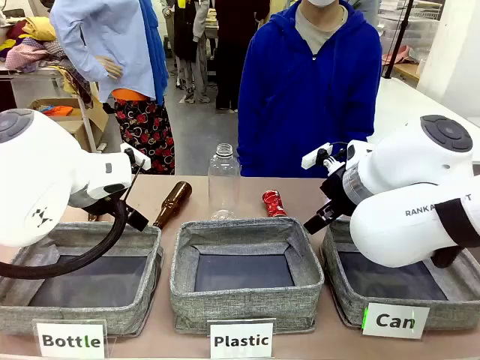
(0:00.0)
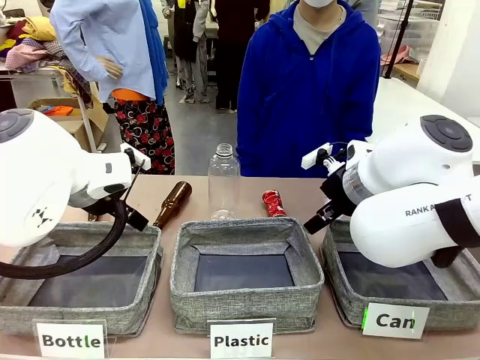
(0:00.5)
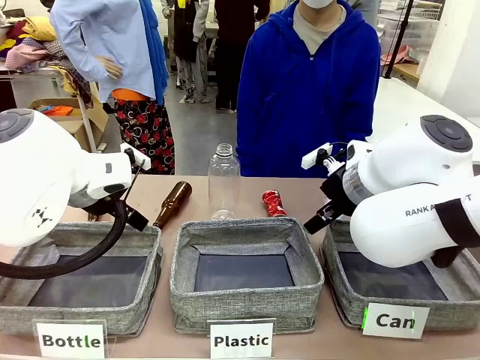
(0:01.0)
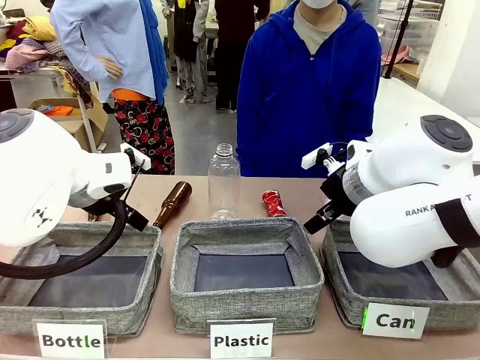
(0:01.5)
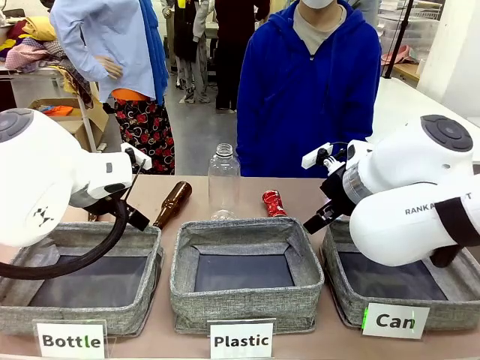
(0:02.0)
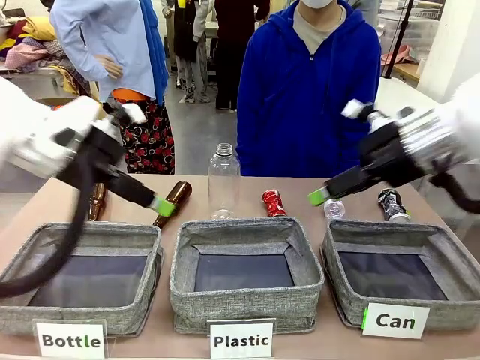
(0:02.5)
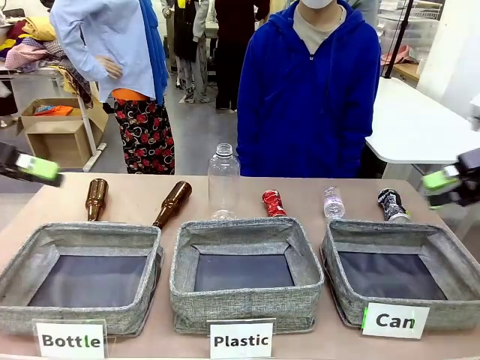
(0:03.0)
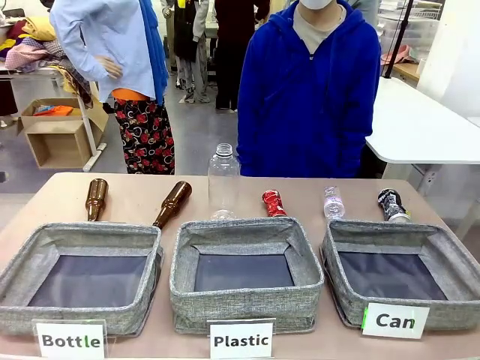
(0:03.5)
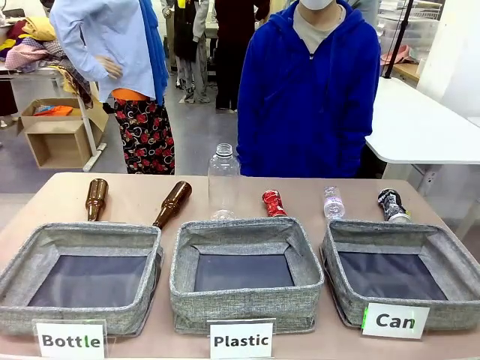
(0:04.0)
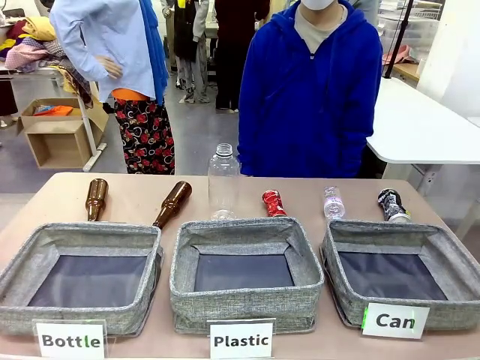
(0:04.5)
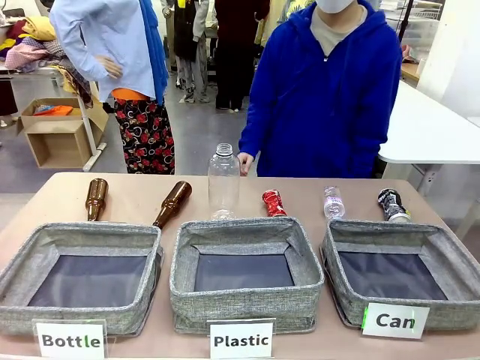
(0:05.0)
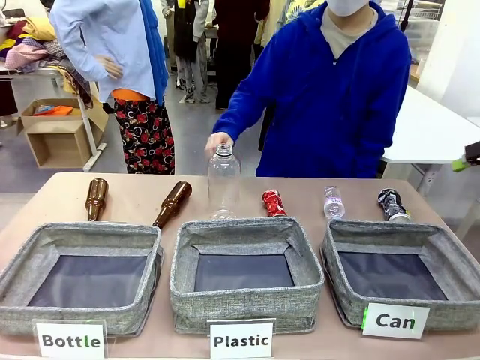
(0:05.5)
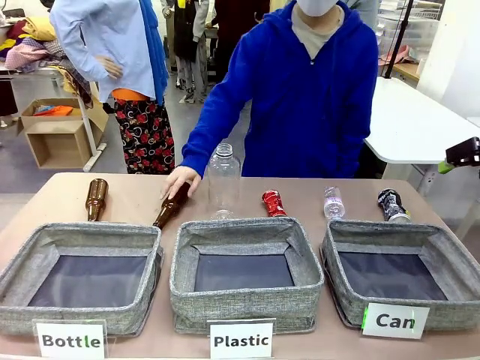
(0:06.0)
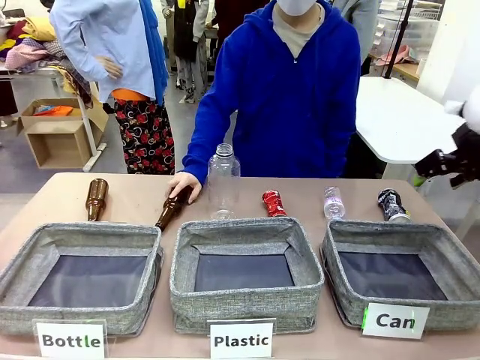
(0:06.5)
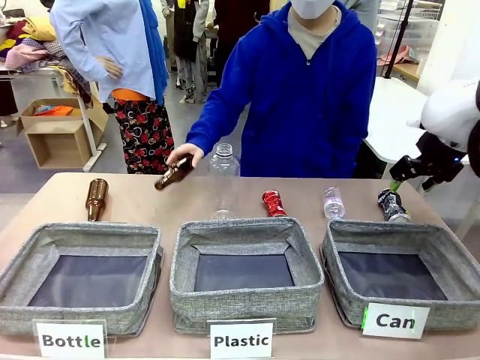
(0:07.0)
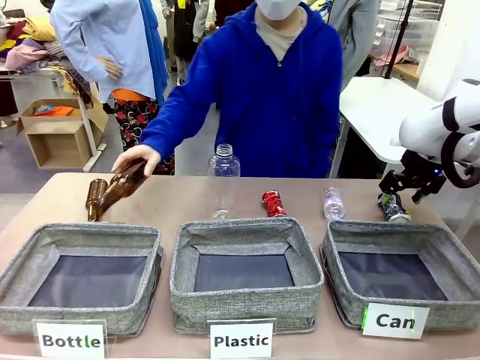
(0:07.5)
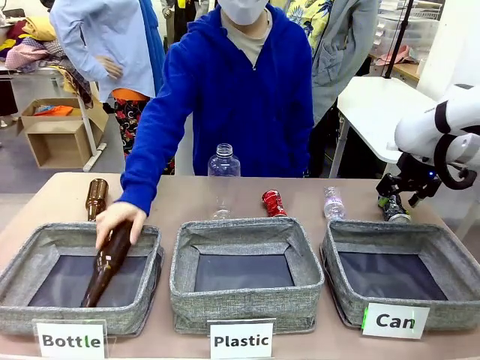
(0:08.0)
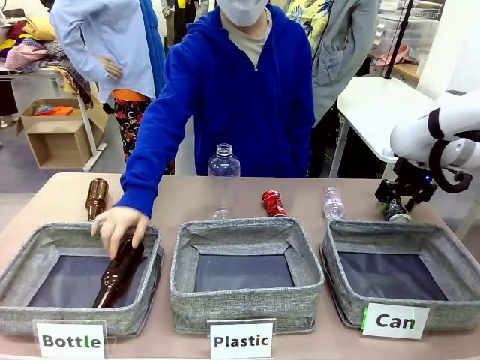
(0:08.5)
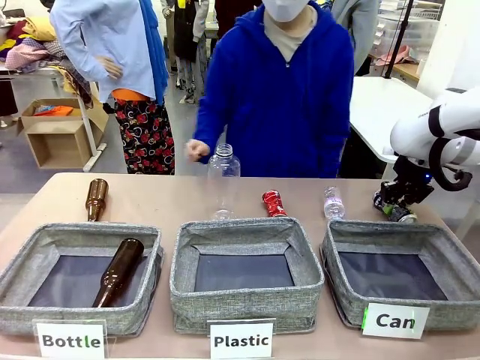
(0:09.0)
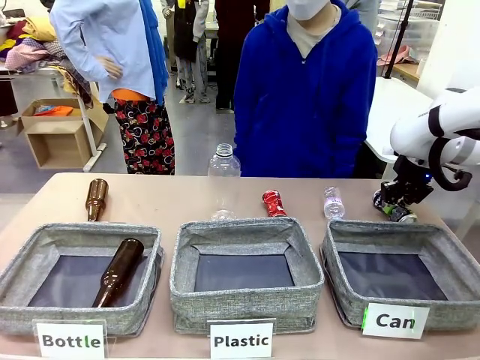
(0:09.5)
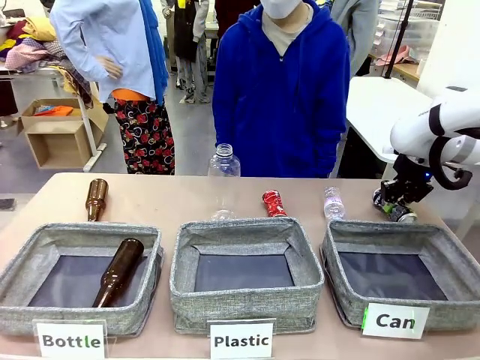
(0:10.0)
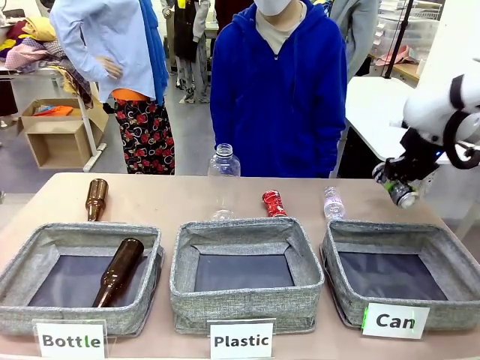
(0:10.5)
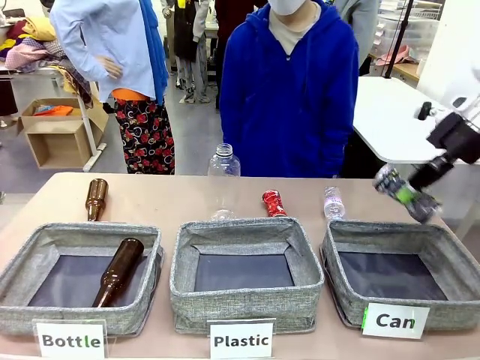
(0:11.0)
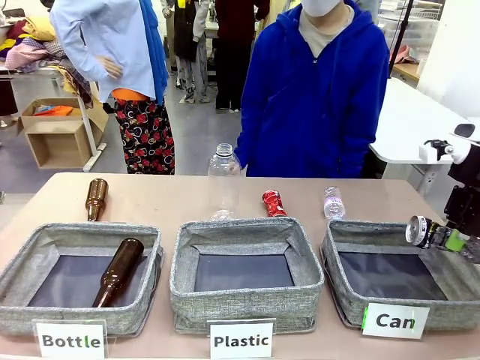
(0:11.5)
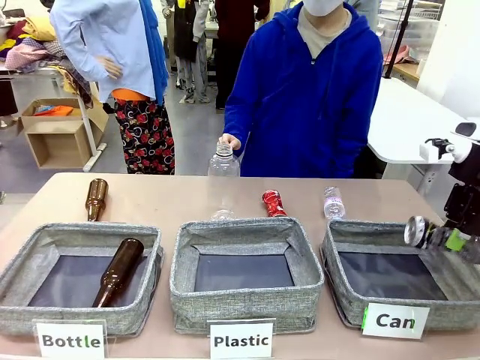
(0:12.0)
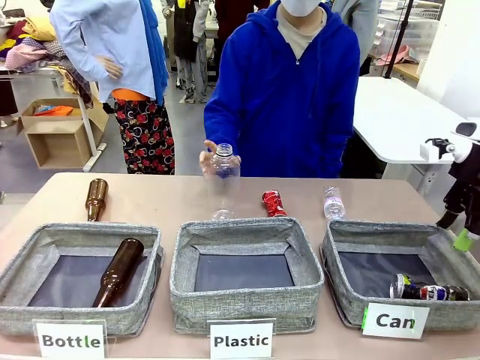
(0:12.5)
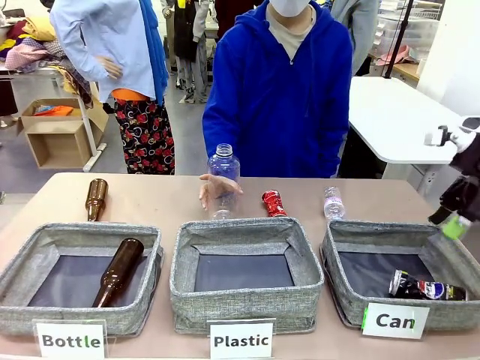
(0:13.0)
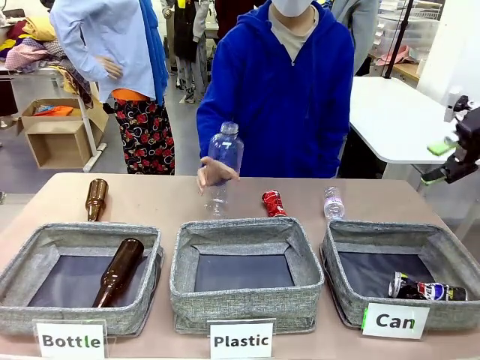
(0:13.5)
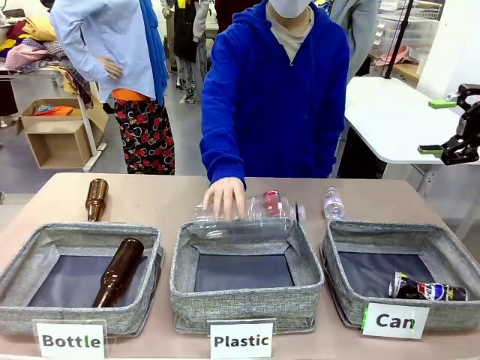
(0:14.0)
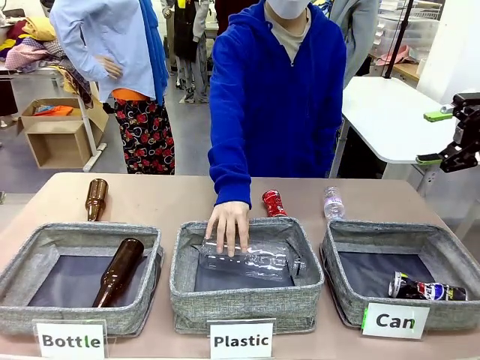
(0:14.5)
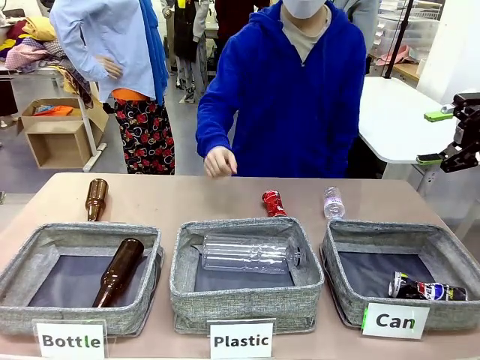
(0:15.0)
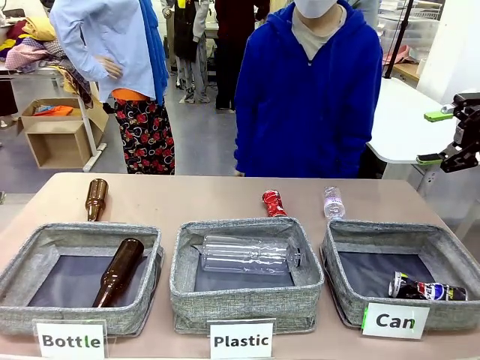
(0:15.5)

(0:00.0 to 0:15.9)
Task: Sort the can waste into the basket.
Robot: Pick up the can waste from the table and place it in the right Fabric basket.

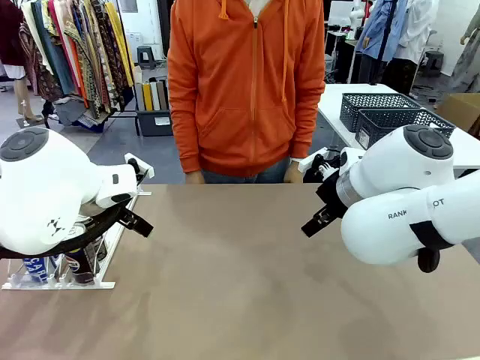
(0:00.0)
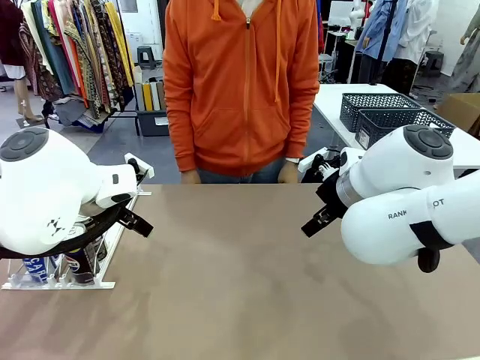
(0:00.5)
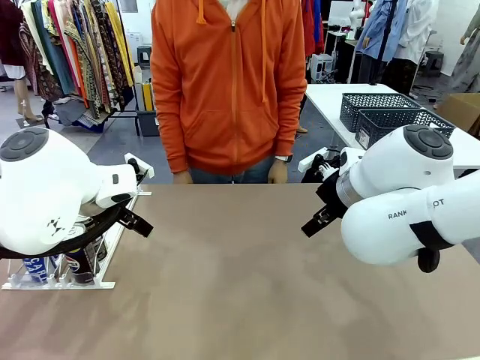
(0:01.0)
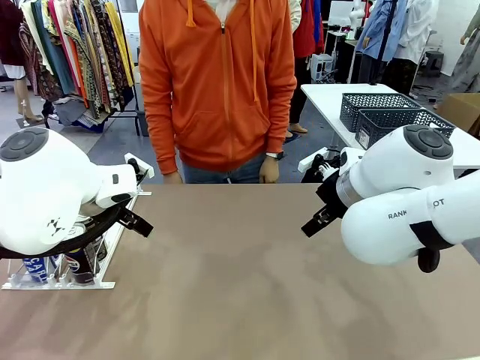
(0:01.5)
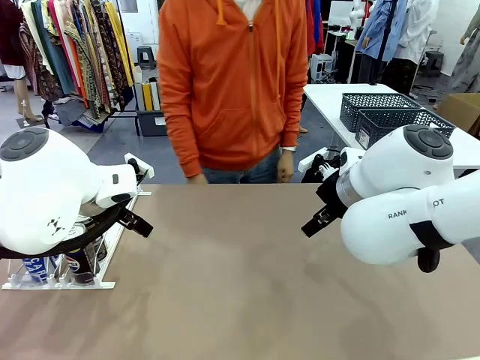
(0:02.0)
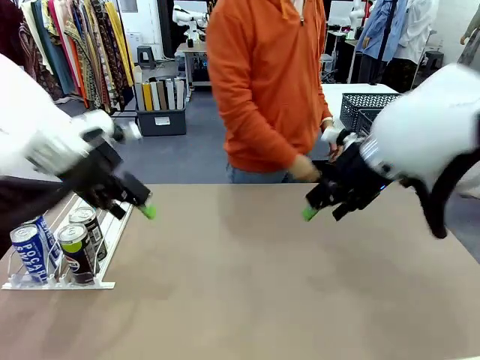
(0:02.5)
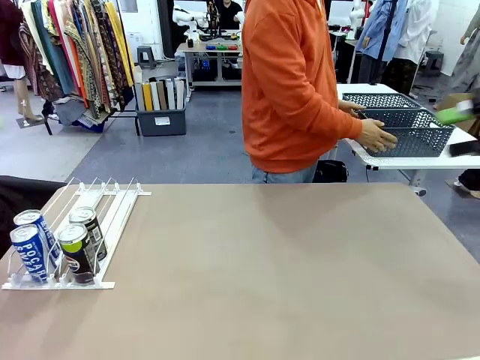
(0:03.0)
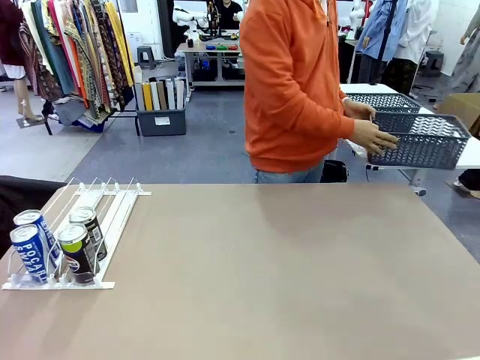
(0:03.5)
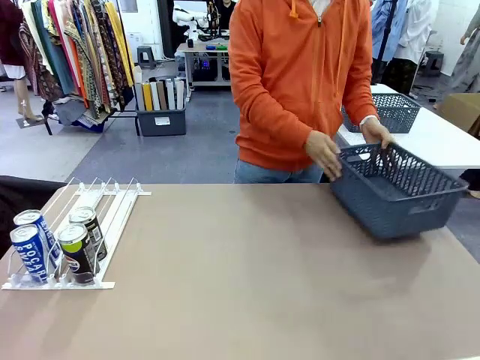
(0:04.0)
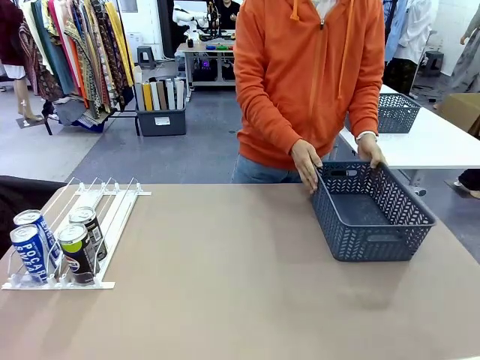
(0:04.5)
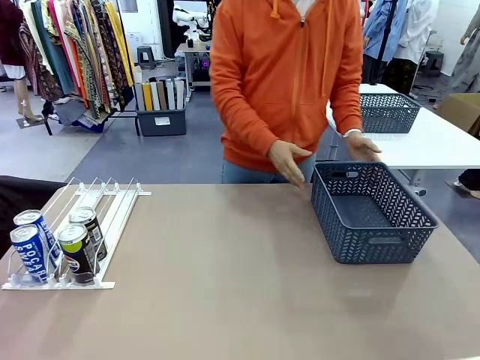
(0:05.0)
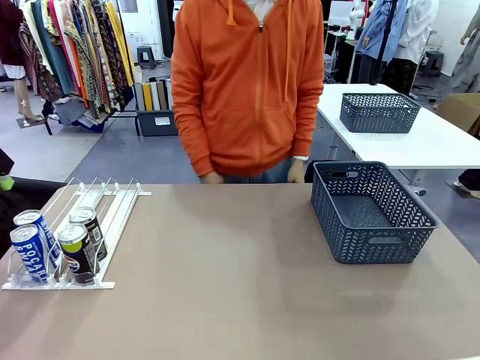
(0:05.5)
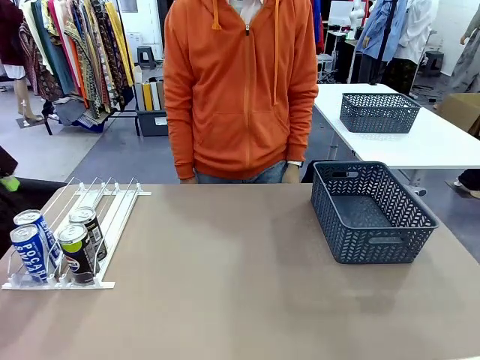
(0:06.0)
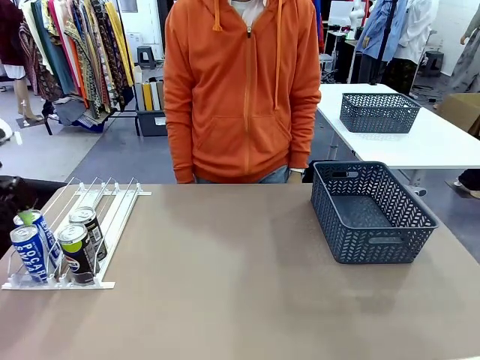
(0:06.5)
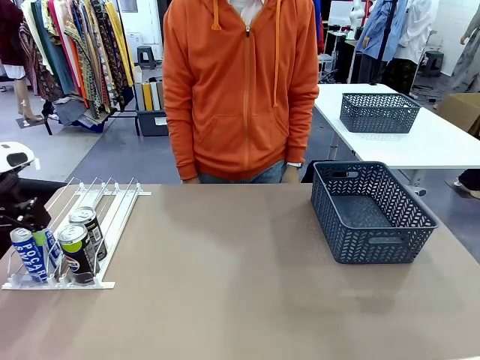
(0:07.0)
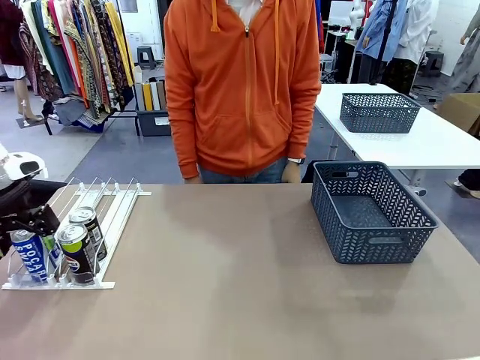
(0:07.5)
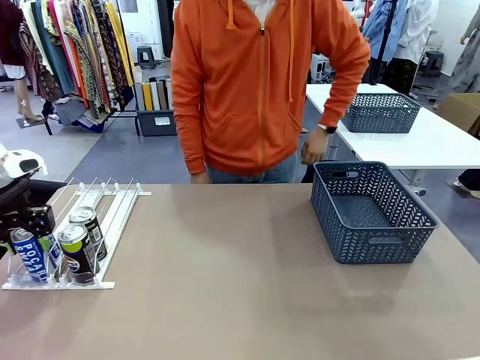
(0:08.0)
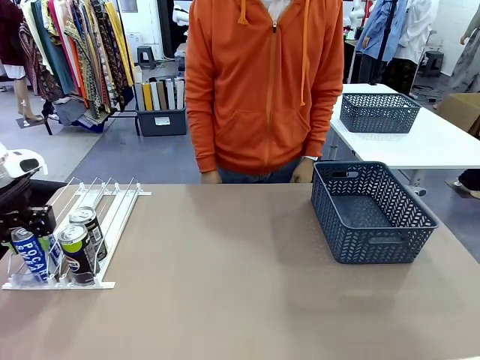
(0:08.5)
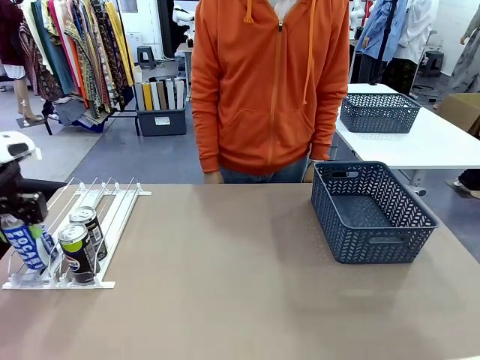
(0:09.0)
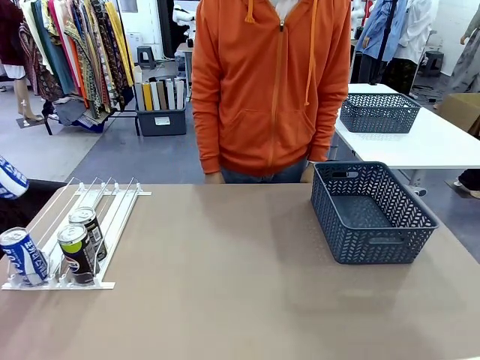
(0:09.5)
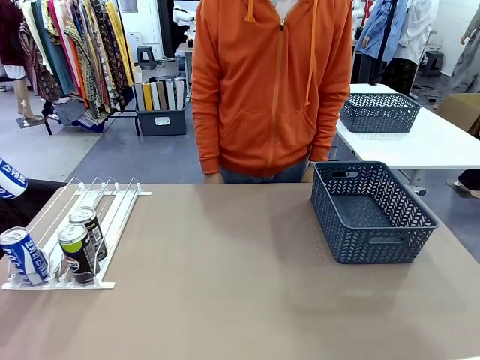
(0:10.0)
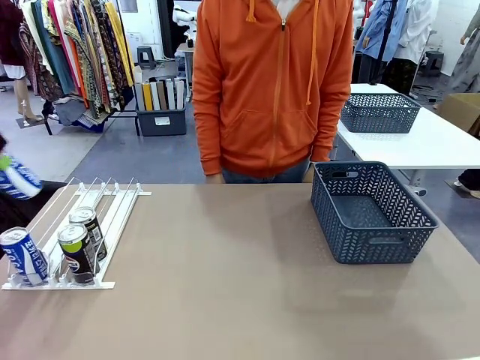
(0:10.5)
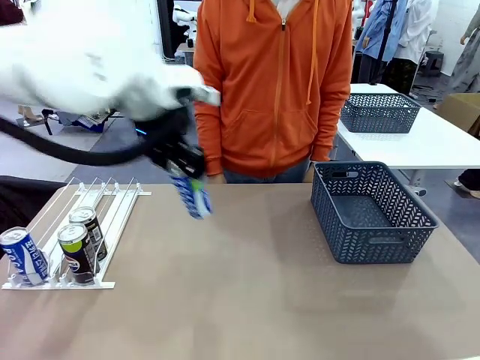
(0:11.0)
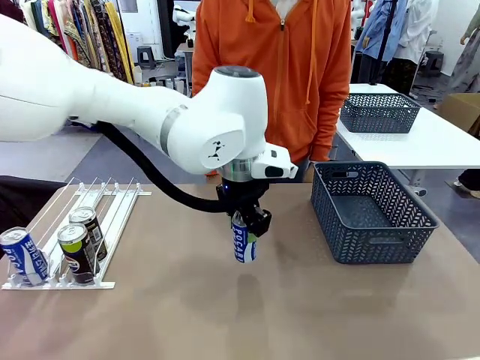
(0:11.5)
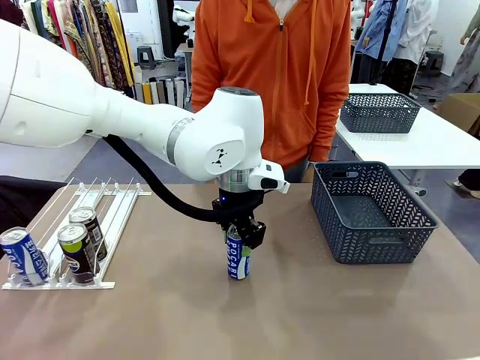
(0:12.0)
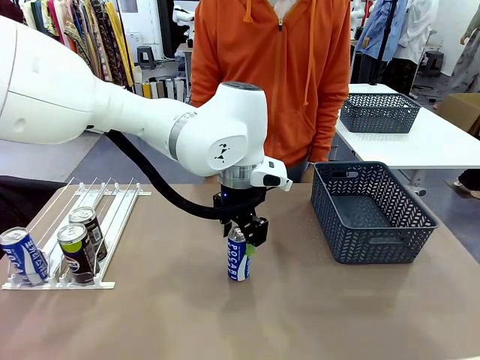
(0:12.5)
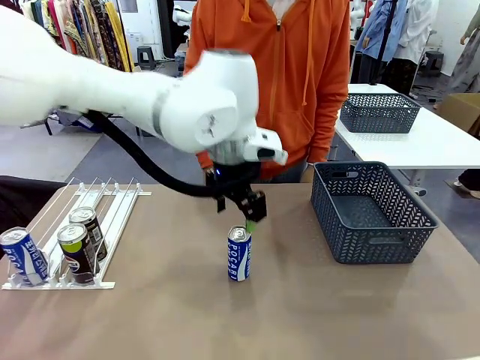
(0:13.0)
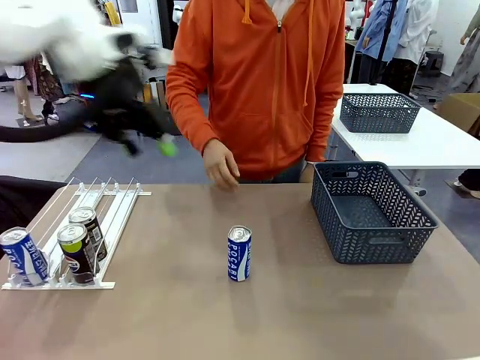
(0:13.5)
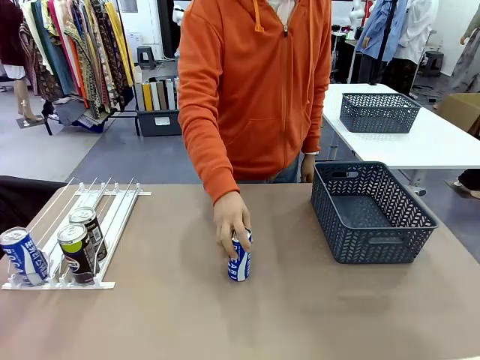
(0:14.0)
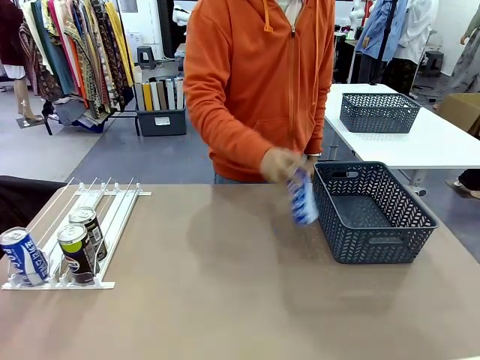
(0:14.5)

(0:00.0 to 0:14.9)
Task: Retrieve and store the cans from the dispenser.
Robot: Pick up one can from the Automatic Can Dispenser and place it in the middle of the table.
Person: Pick up the basket and place it on the left side of the robot table.
